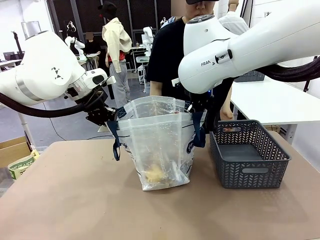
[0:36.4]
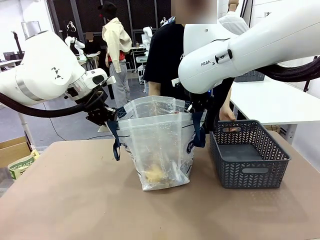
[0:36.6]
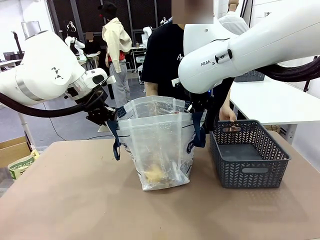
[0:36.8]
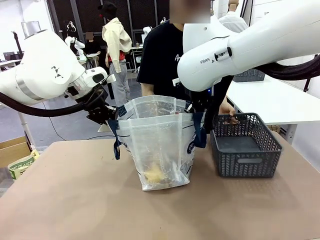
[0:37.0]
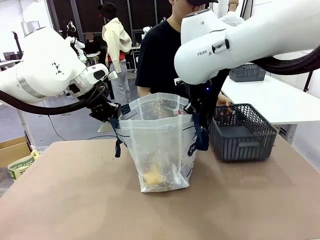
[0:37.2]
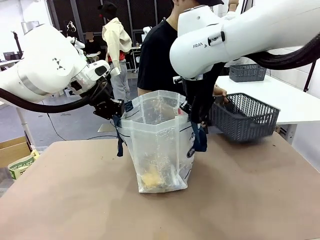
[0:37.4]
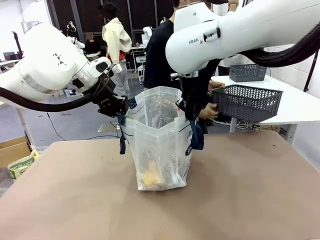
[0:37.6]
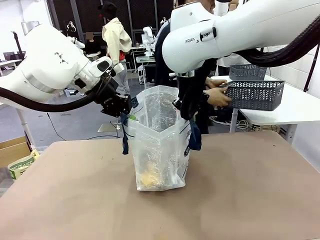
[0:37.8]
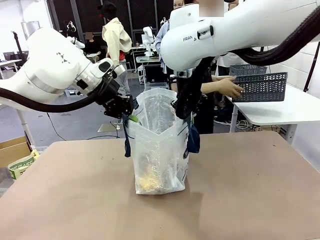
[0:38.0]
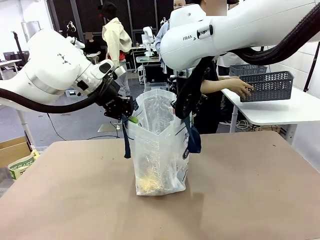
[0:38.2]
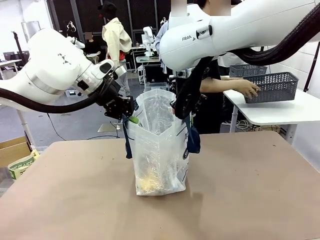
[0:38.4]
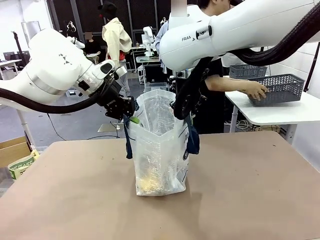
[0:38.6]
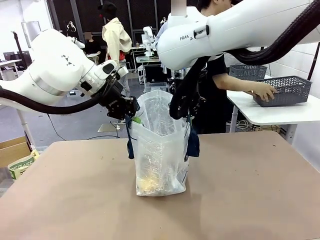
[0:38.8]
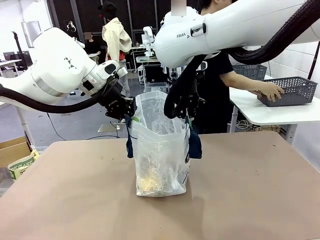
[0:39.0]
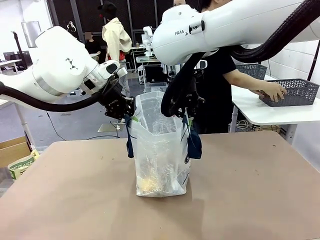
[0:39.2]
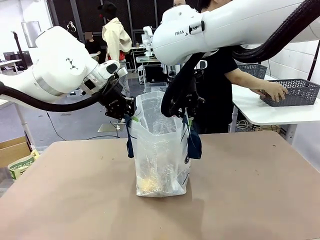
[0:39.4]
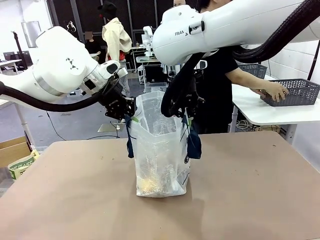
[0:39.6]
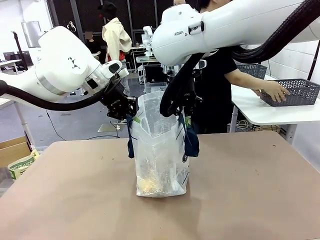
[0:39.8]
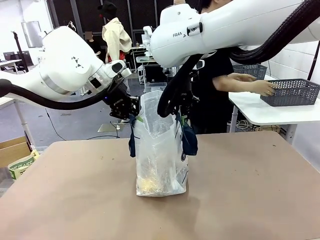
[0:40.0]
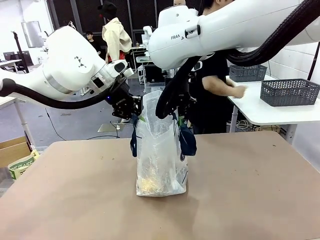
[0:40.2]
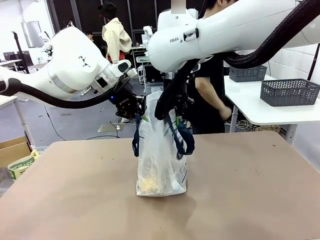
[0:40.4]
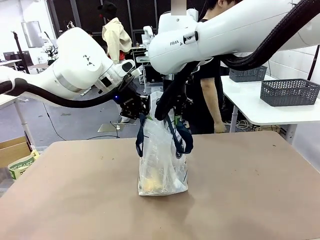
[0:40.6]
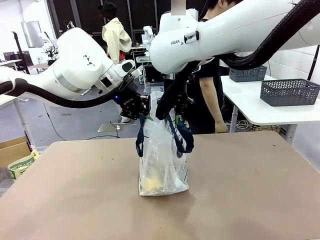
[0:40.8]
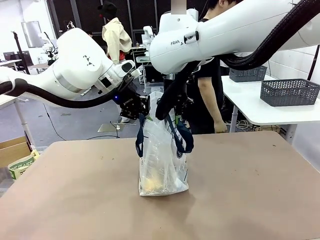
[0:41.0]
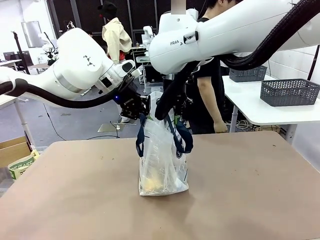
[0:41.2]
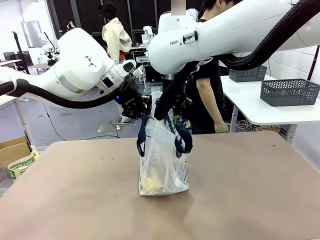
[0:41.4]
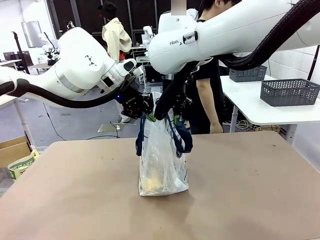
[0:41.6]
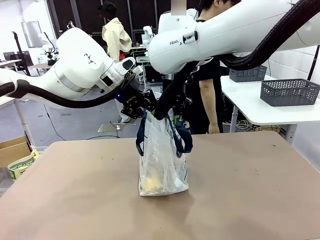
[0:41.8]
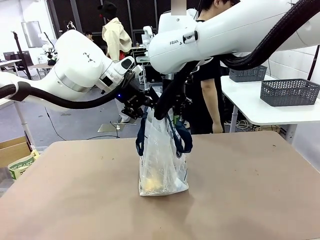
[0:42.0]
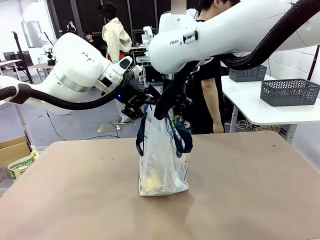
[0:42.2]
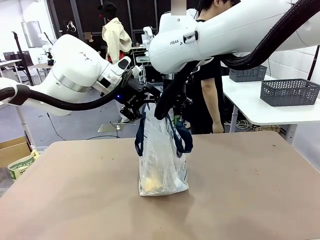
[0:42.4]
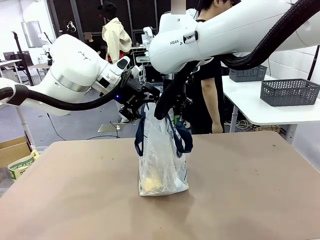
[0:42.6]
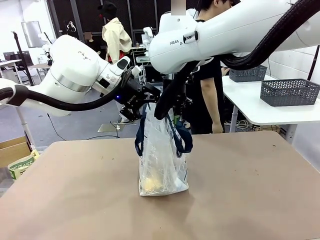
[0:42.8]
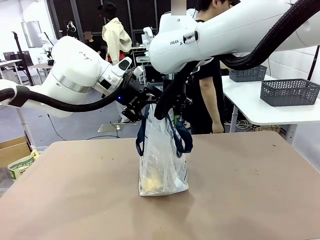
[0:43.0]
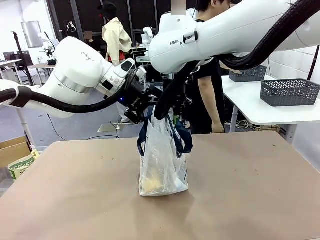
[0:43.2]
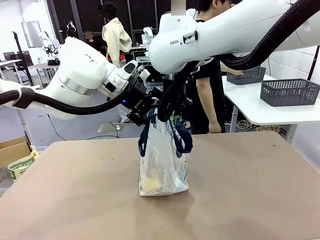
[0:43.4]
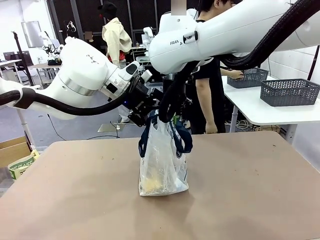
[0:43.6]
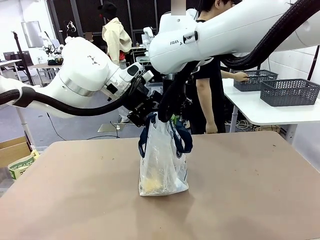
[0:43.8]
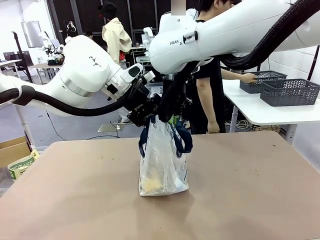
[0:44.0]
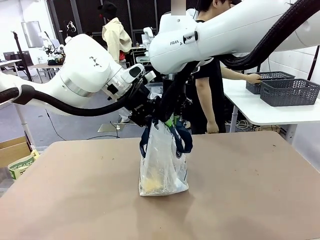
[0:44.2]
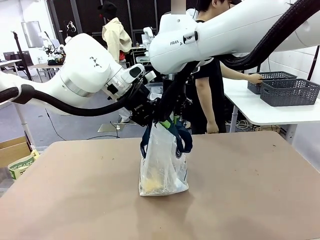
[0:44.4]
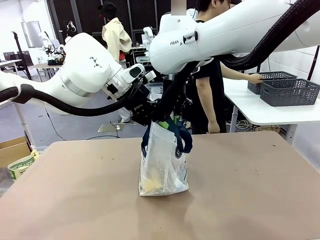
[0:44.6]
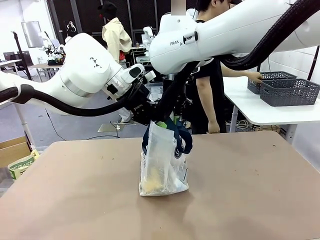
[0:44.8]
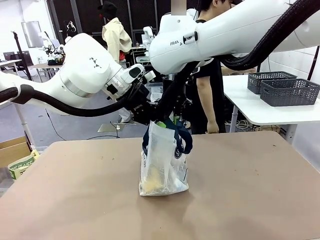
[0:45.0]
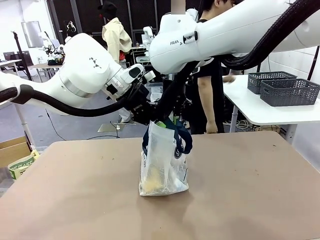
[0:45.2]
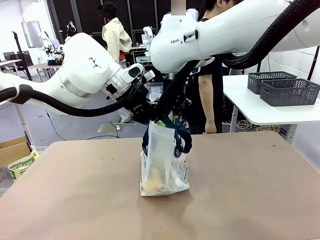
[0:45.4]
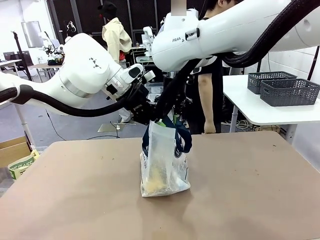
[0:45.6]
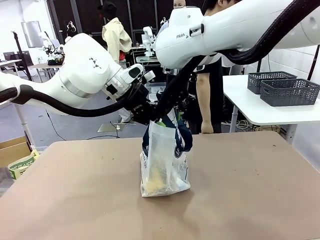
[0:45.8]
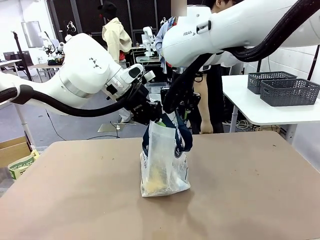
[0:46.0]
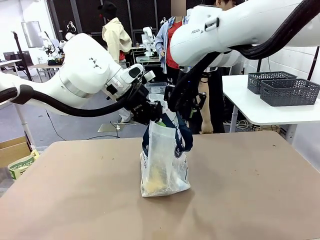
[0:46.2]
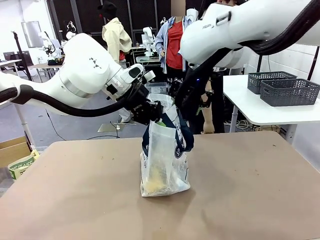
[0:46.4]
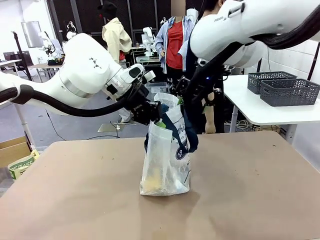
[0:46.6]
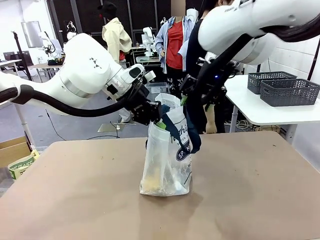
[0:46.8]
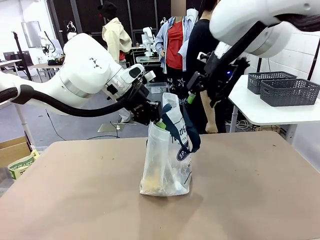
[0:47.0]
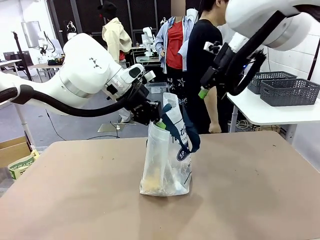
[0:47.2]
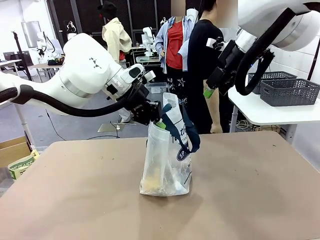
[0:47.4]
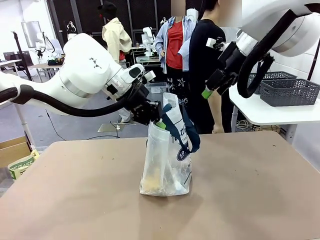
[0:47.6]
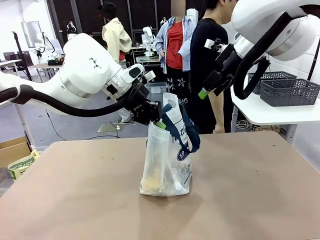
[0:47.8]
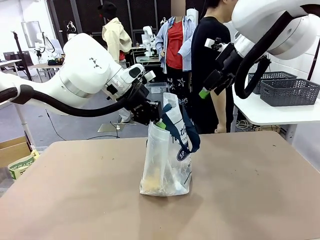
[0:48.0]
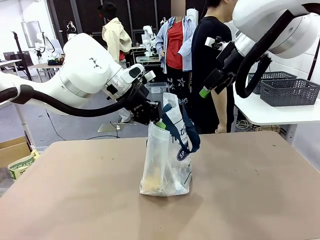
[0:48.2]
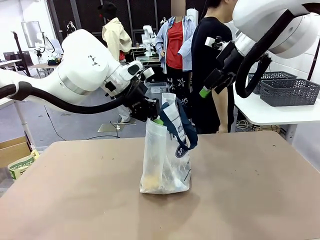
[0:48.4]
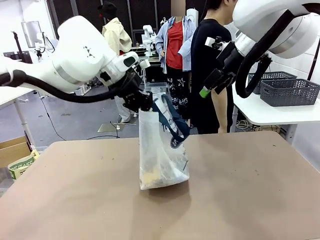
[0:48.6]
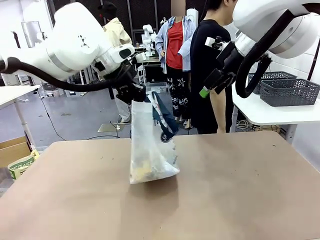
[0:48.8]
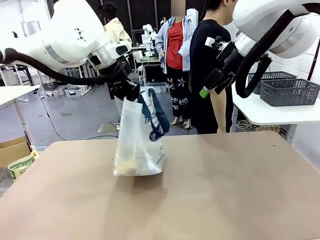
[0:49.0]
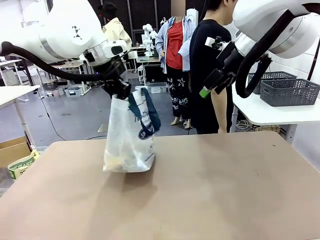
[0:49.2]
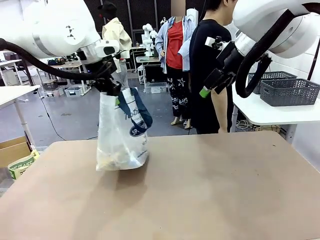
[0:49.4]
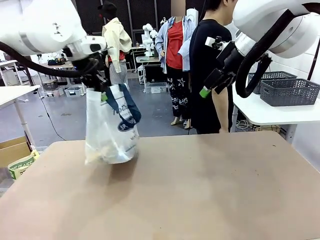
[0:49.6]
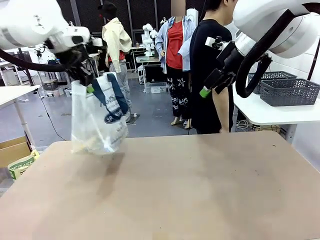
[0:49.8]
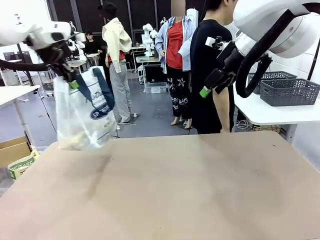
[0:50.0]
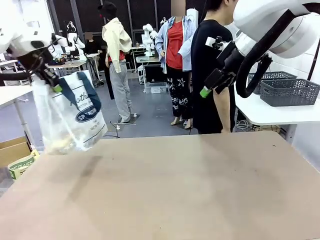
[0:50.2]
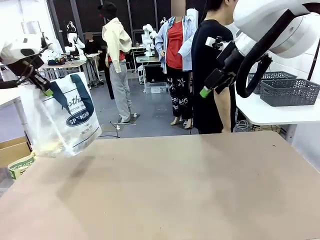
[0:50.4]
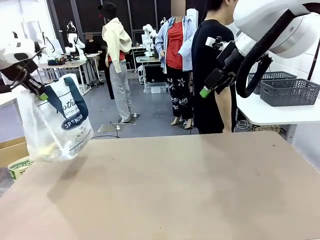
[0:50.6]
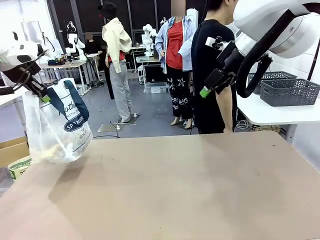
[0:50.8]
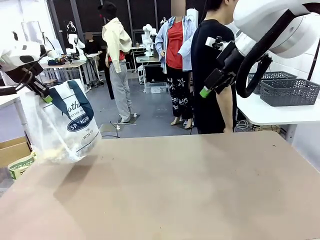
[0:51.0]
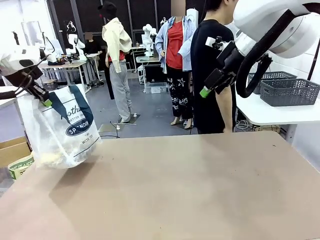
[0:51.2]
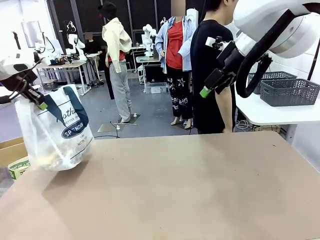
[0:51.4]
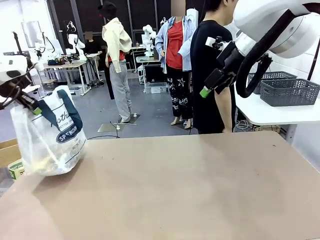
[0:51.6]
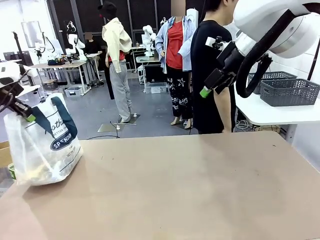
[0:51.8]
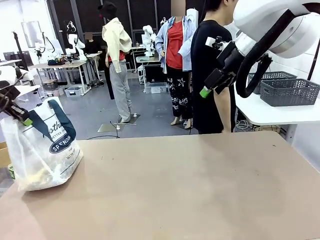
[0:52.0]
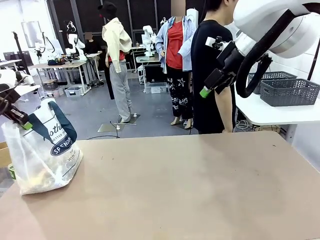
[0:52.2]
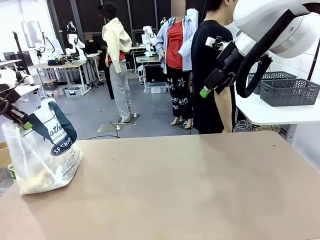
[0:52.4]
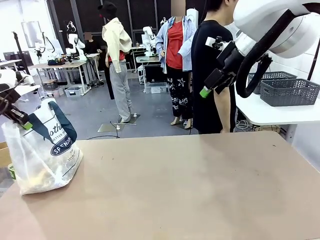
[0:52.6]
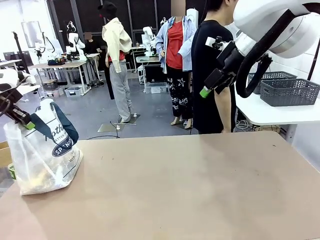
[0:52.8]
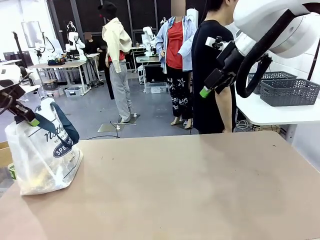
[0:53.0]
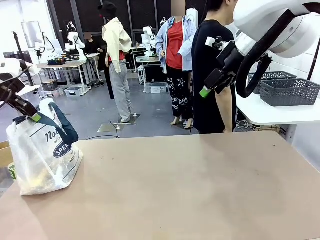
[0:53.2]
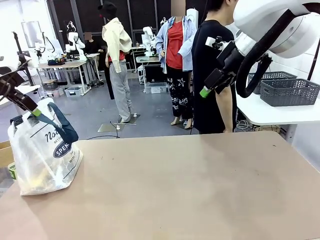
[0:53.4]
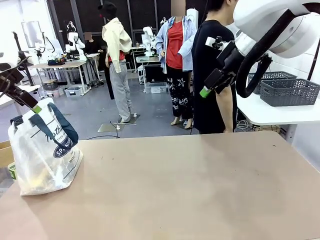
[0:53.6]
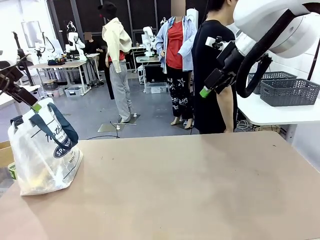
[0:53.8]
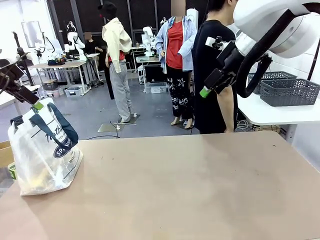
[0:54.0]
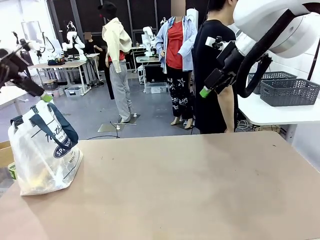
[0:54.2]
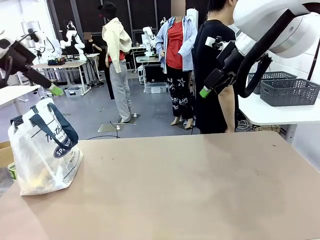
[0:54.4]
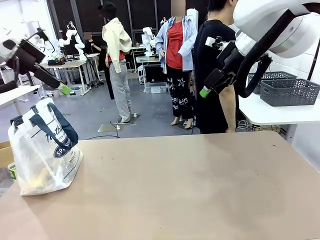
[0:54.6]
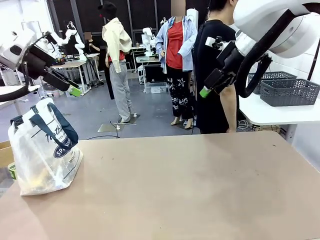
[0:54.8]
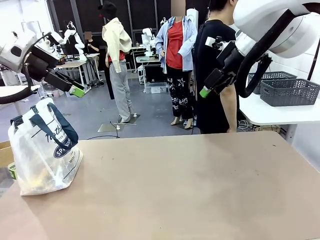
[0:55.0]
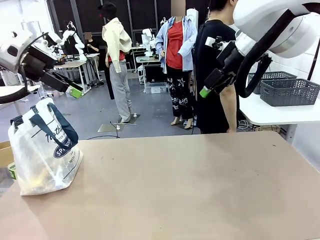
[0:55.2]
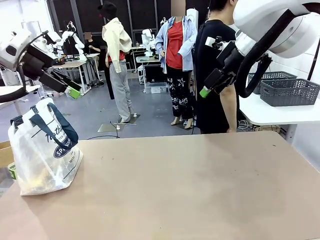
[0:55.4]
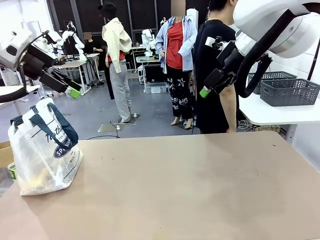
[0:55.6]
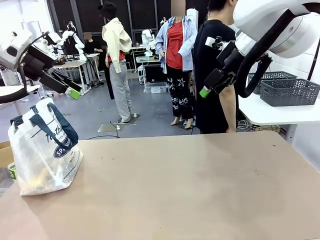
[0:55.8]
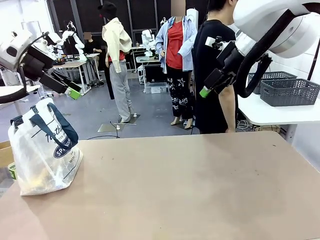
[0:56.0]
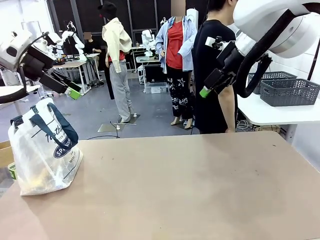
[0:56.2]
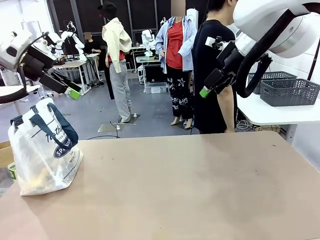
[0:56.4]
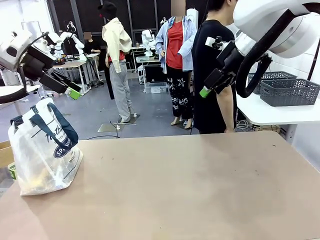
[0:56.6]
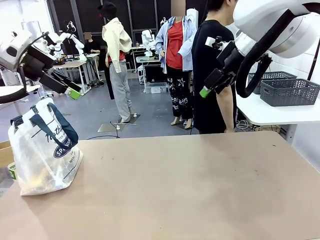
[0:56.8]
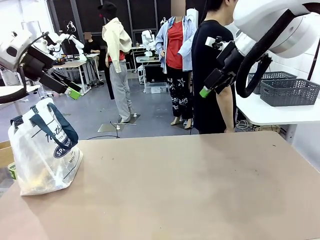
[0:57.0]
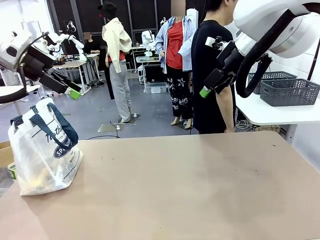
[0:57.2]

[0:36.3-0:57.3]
Task: Transfer purchased items from the store into the shopping bag.
Robot: Move the Reusable shopping bag to the right side of the table.
Person: Pick up the basket with the items out and place it on the right side of the human table. Move the basket on the left to the middle of the person's table.
